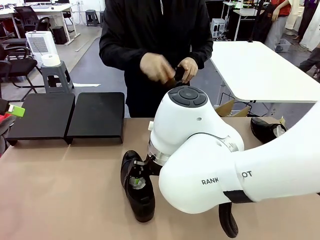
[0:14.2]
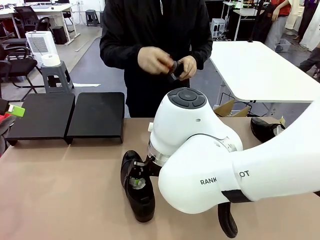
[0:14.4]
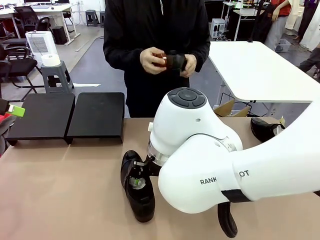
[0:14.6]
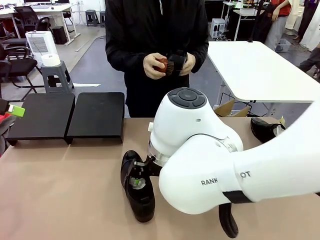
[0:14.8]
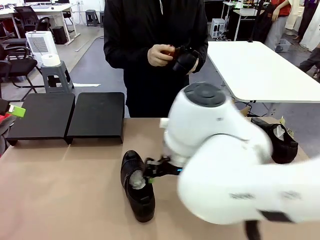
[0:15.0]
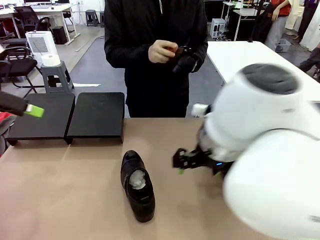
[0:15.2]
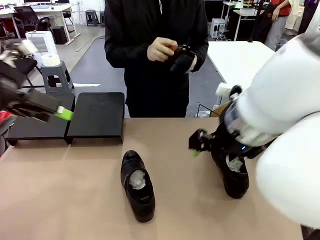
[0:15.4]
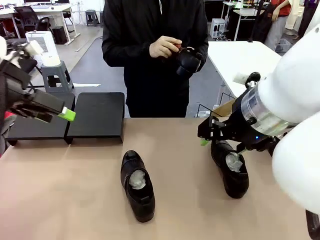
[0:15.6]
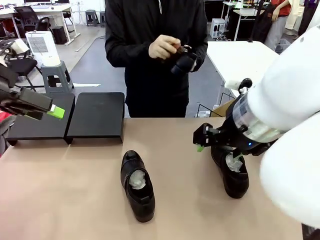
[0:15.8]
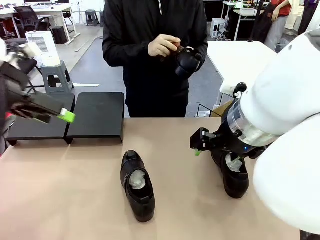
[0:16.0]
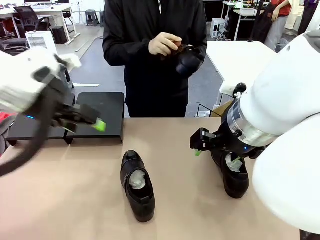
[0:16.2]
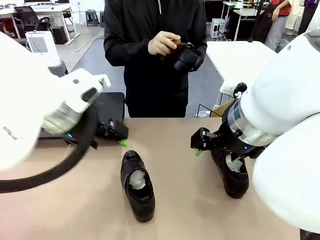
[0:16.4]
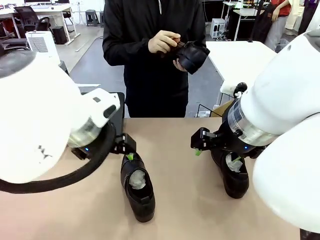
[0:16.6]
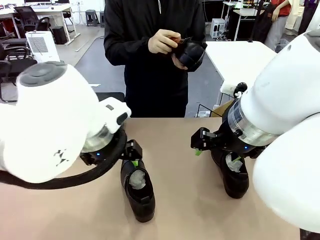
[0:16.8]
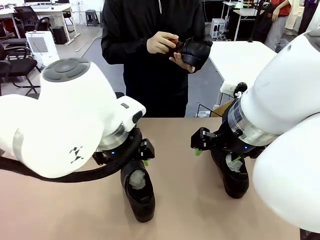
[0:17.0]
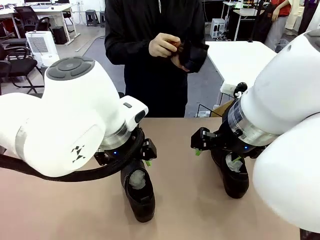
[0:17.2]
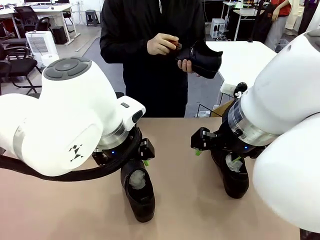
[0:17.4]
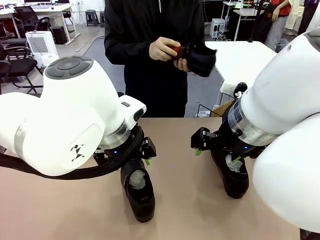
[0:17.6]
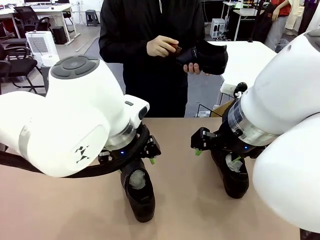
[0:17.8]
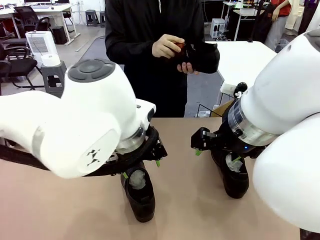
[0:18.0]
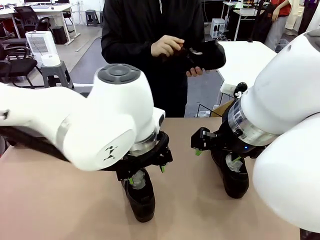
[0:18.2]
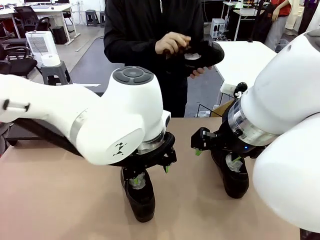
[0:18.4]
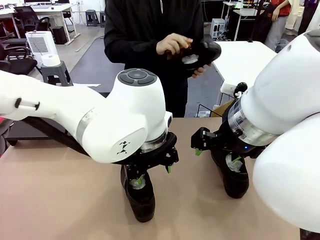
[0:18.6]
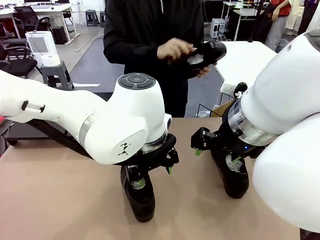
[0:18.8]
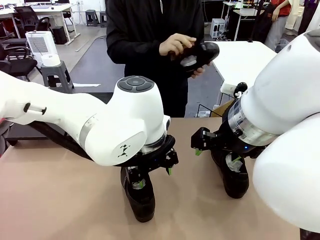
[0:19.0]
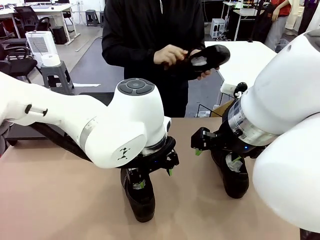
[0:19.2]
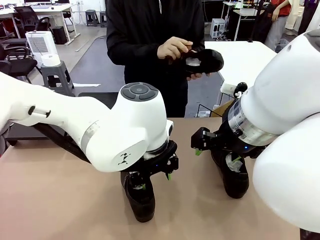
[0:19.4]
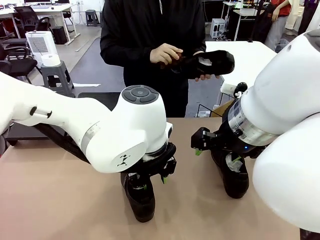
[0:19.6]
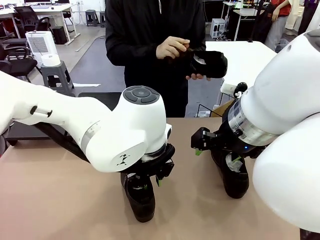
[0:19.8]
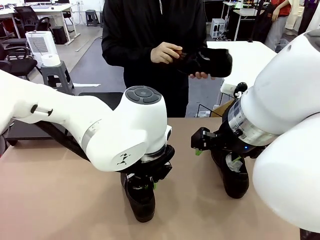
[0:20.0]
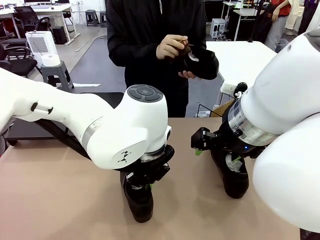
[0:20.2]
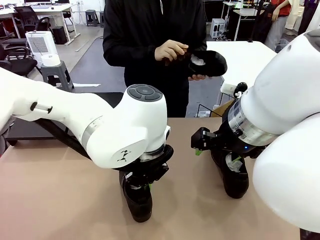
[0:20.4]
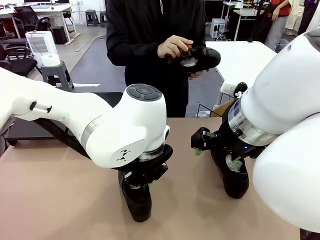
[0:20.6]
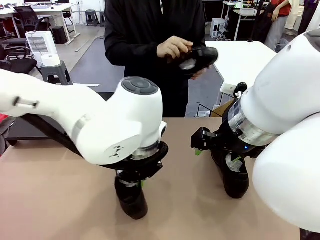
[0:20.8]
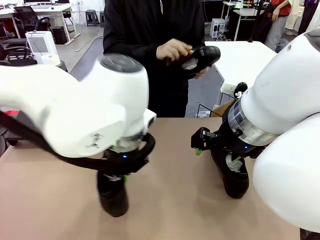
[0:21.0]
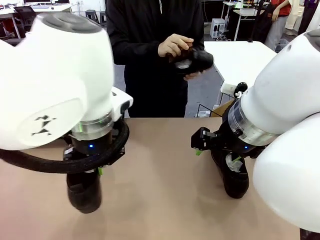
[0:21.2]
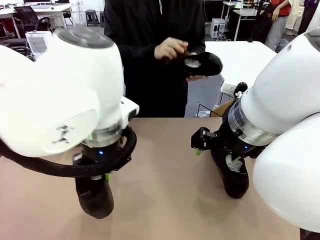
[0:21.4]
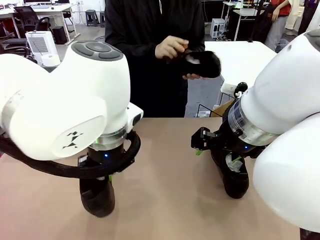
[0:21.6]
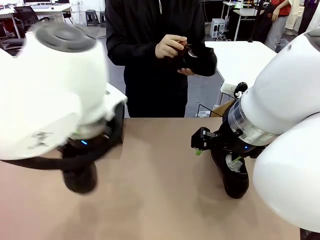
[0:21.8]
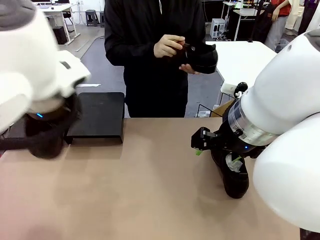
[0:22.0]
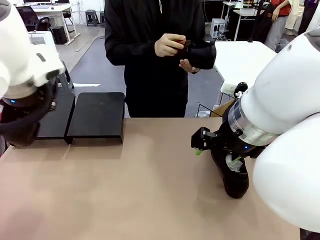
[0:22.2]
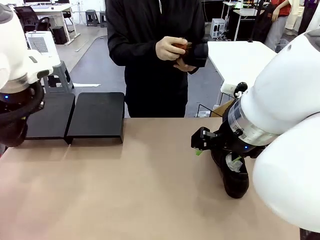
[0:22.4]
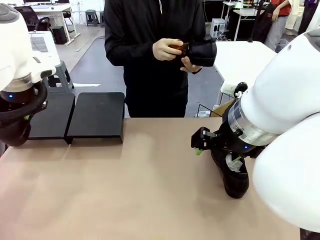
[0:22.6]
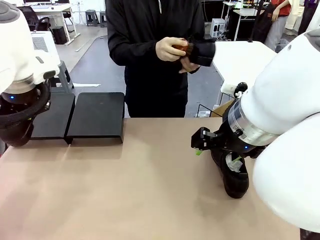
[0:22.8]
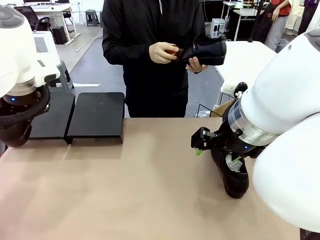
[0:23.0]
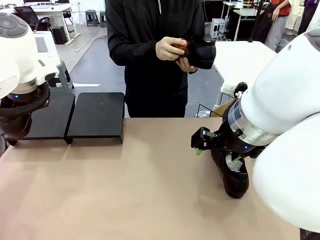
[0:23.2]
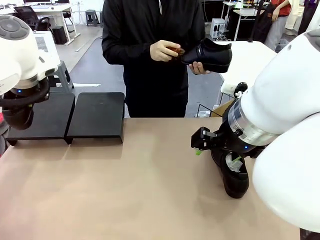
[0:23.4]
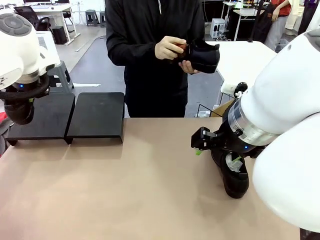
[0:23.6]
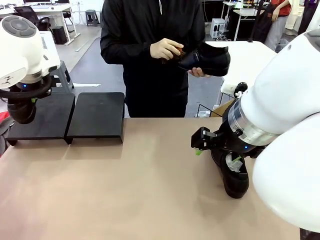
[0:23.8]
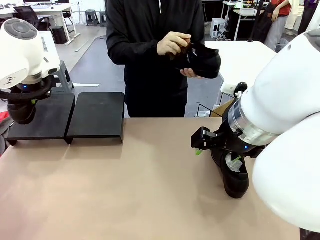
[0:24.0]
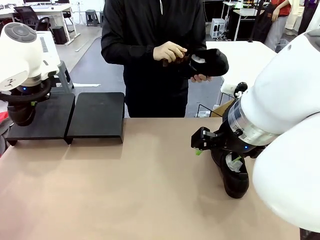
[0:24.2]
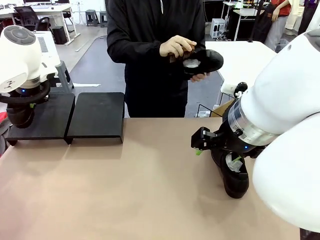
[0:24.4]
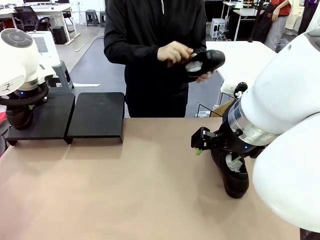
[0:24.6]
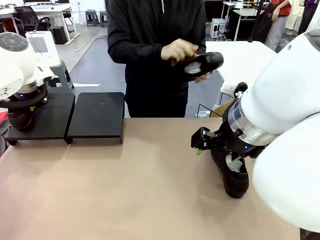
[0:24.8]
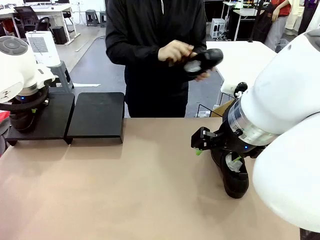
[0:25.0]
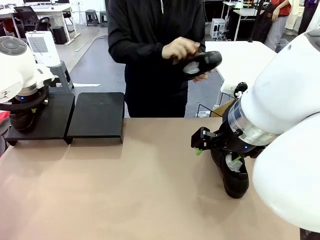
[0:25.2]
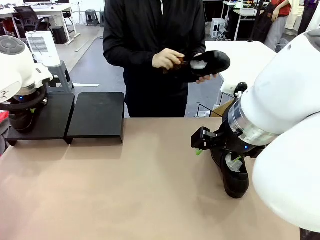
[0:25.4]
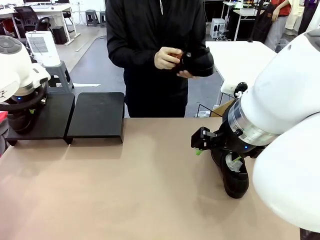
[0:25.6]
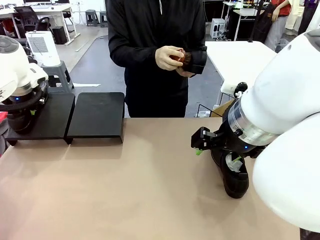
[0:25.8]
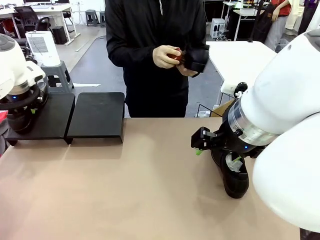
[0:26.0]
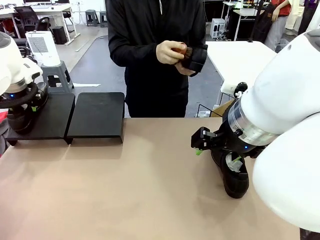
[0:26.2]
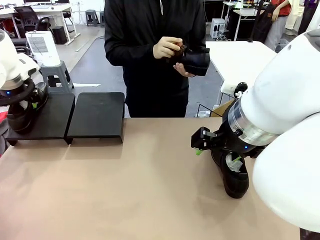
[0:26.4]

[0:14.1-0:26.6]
Task: Organize the shoes by placing them on the stand.
Robot: Place the Shoe from the middle of the table onto the Shoes Stand.
Person: Clean the Shoe with the Shoe Brush.

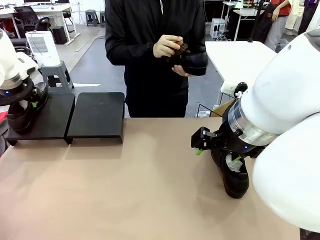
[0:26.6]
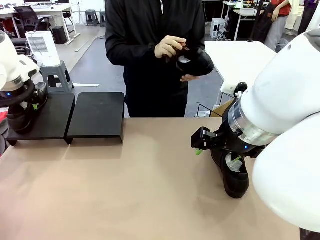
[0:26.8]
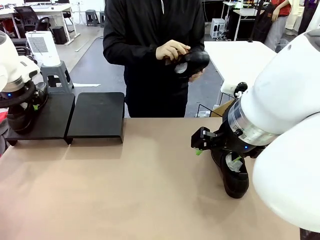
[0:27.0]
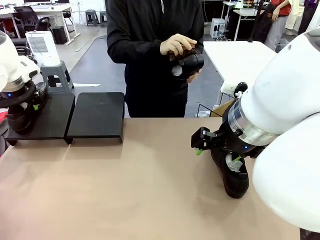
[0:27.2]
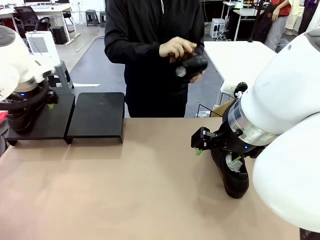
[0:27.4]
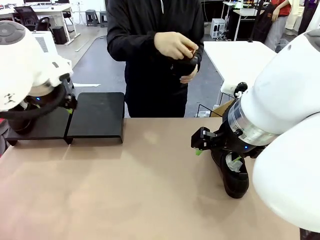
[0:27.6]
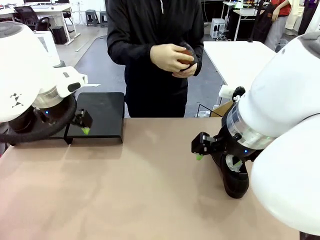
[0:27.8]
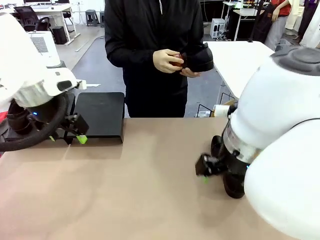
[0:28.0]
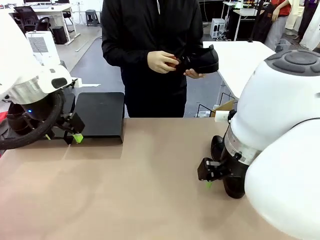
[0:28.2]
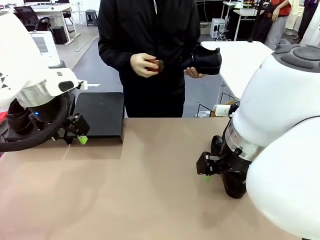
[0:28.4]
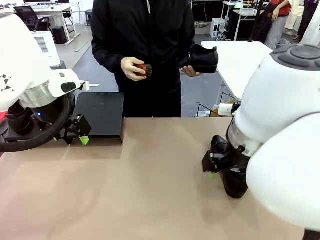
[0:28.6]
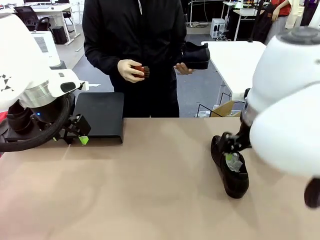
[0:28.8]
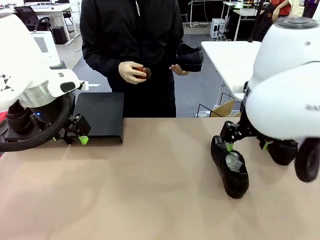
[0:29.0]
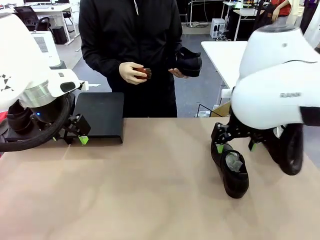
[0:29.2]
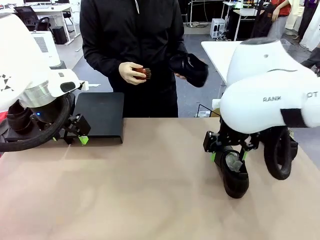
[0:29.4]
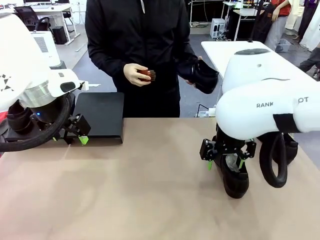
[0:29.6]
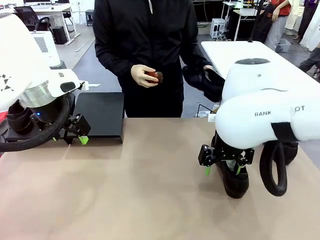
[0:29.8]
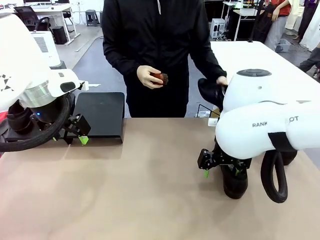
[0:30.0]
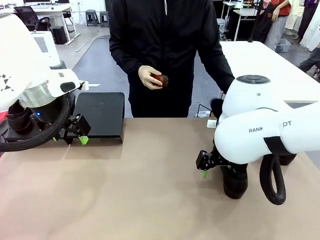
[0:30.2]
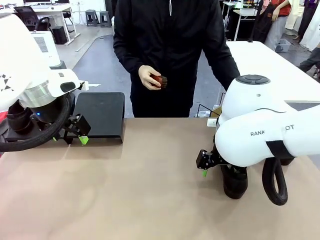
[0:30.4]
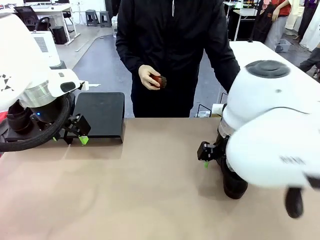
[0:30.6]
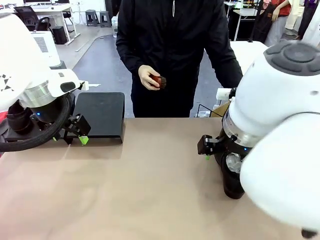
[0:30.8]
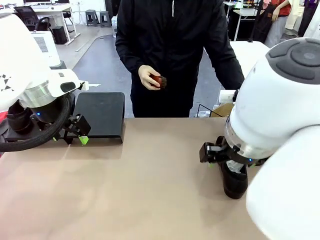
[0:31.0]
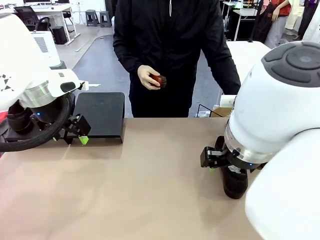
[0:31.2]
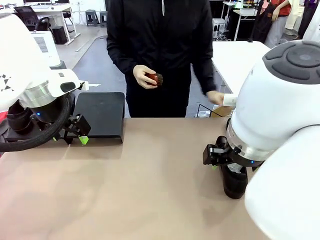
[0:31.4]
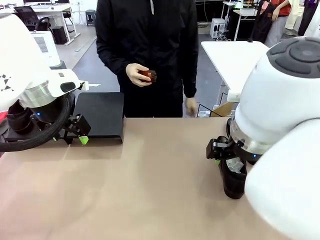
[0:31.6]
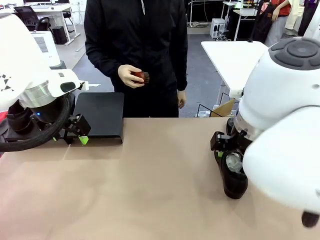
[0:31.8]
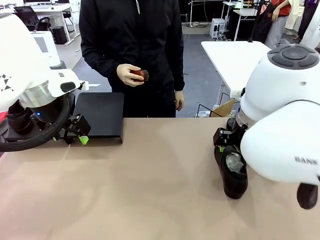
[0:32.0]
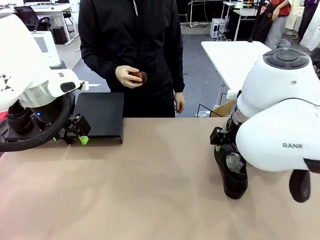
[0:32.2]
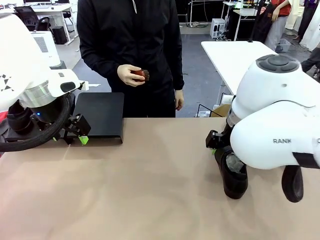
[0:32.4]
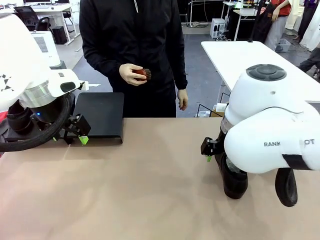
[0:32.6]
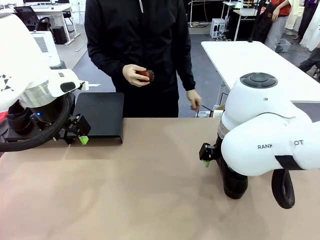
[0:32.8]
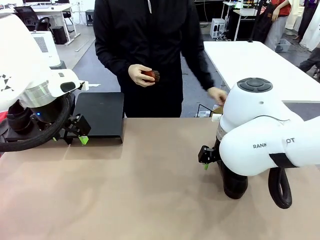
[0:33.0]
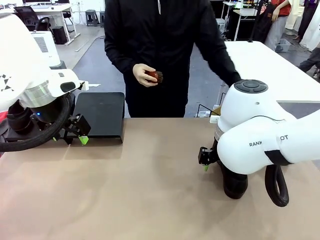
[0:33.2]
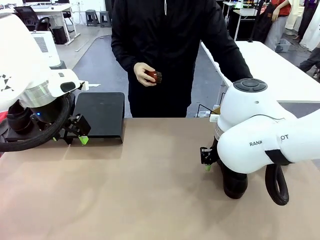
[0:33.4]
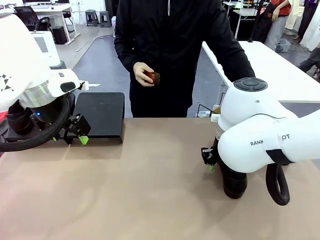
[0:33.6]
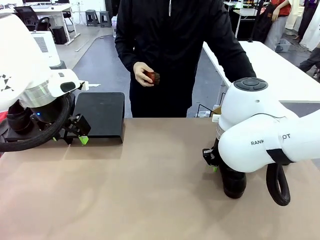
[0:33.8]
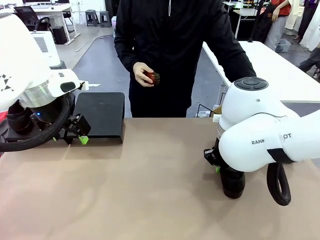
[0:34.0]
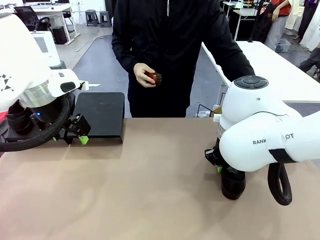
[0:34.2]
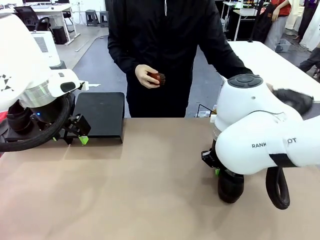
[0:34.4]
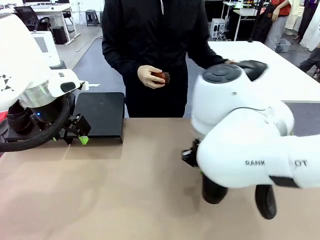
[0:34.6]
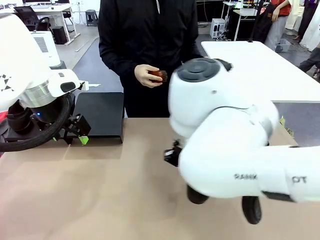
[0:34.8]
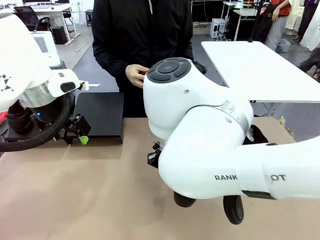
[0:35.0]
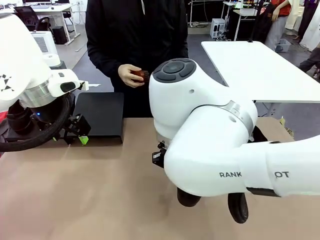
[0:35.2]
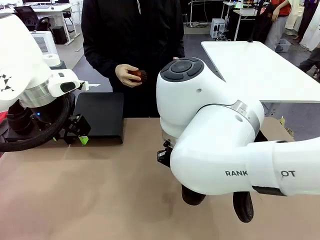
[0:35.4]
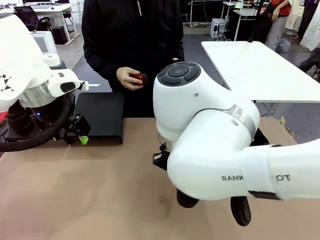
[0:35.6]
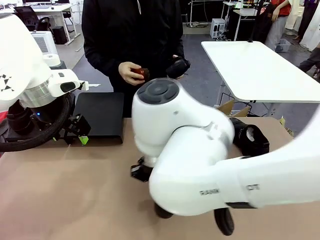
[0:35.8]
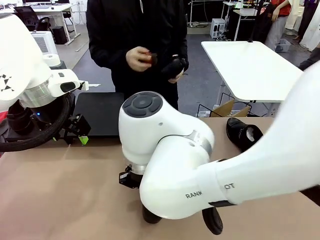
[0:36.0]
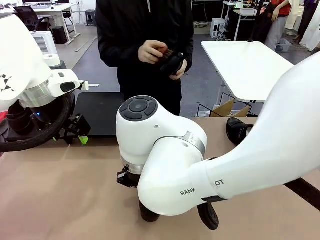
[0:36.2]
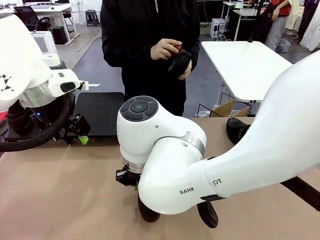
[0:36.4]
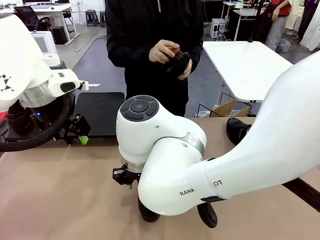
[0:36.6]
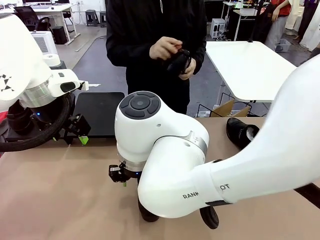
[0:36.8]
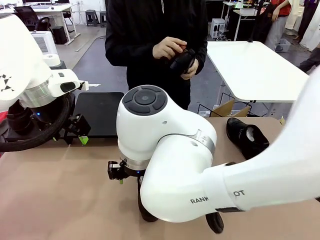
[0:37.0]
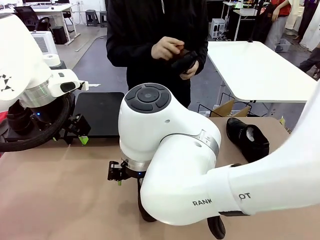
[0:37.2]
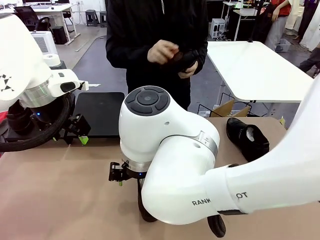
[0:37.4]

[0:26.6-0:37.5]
Robot: Pick up one Shoe and place it in the middle of the table.
Person: Place the Shoe on left side of the Robot's table. Pick one Shoe on Robot's table.
